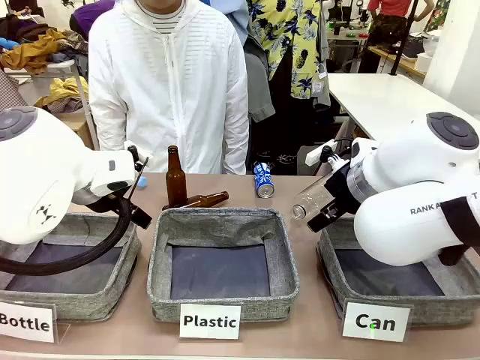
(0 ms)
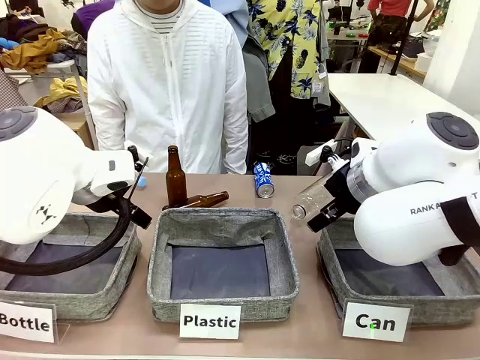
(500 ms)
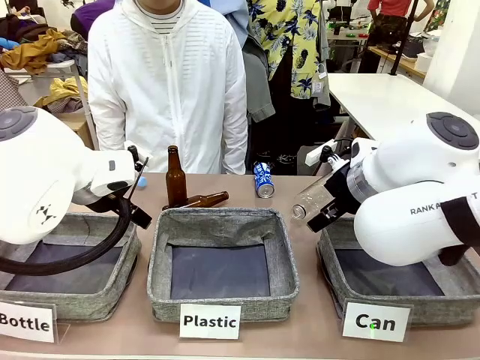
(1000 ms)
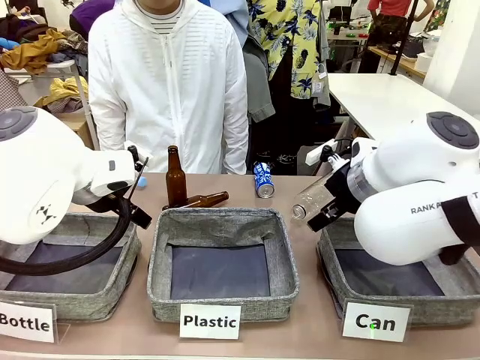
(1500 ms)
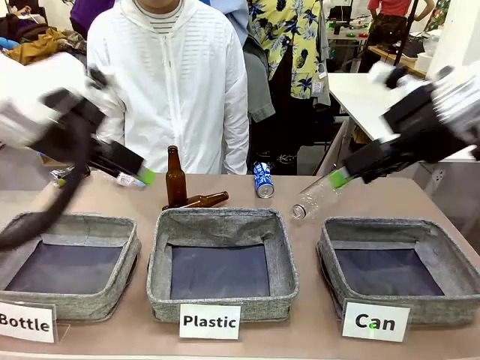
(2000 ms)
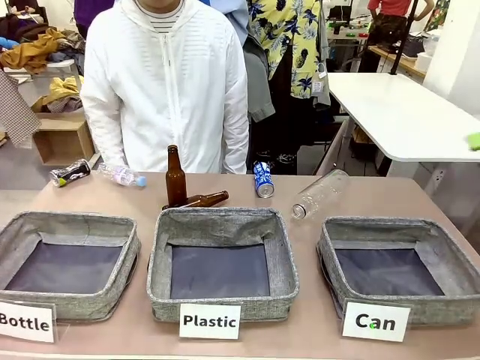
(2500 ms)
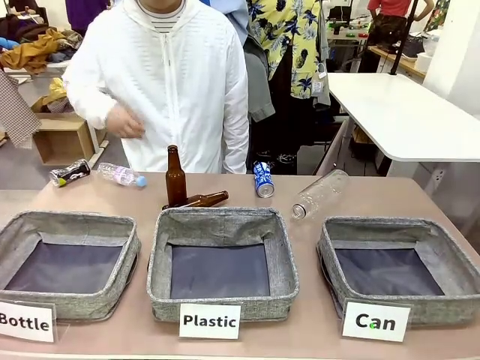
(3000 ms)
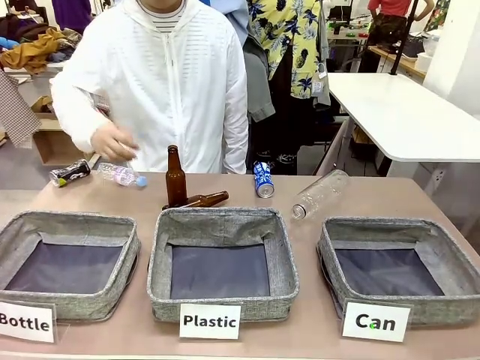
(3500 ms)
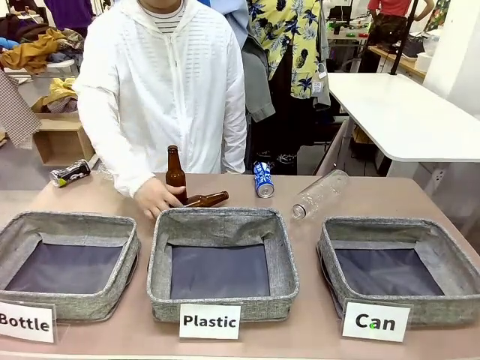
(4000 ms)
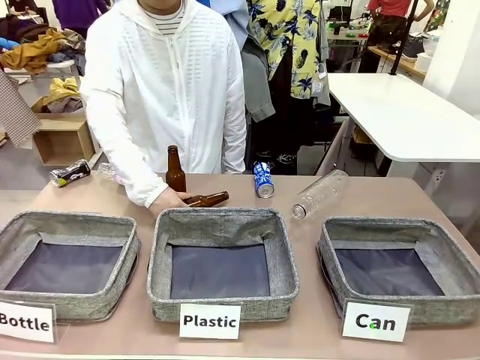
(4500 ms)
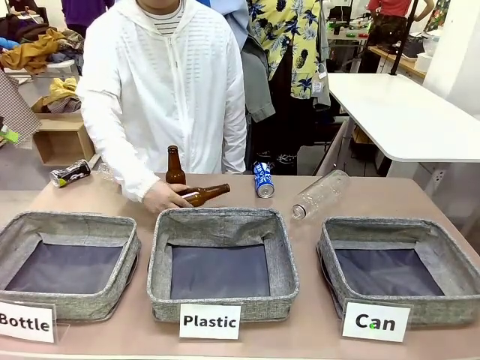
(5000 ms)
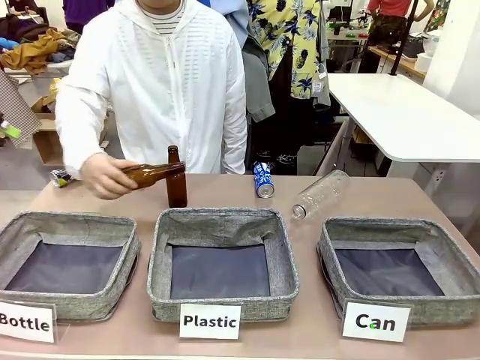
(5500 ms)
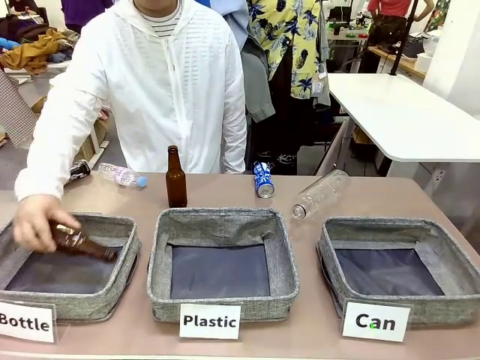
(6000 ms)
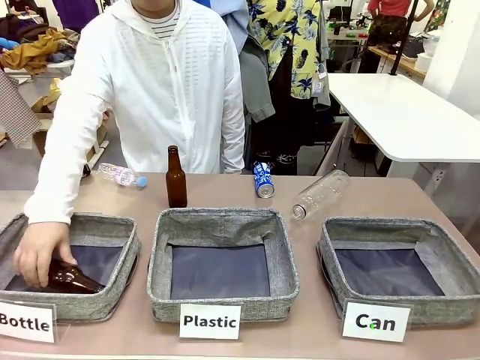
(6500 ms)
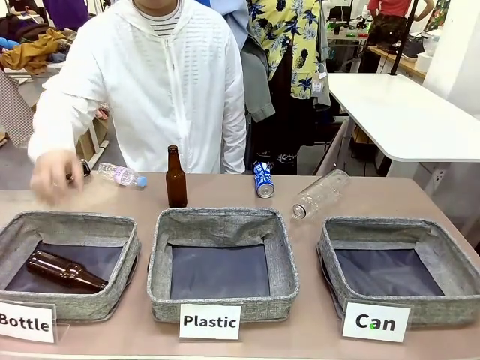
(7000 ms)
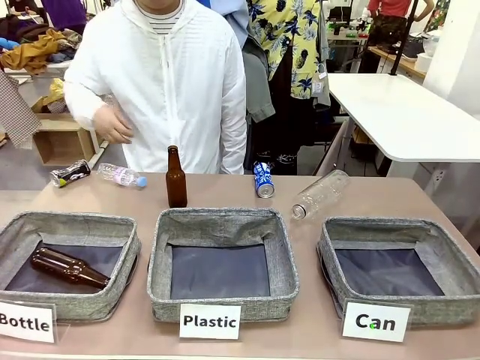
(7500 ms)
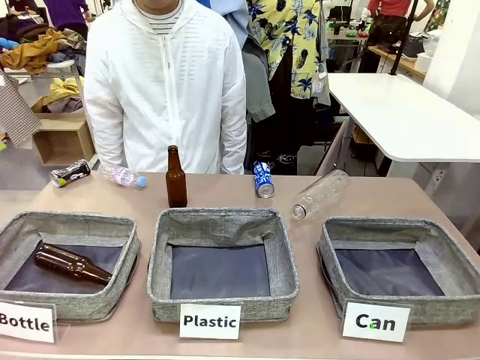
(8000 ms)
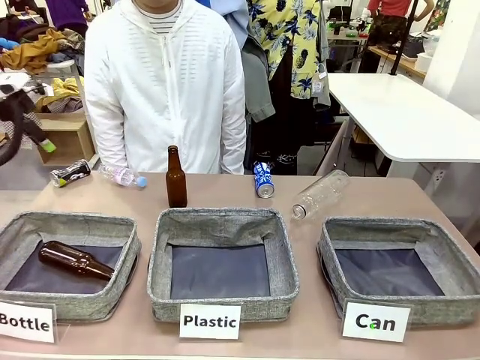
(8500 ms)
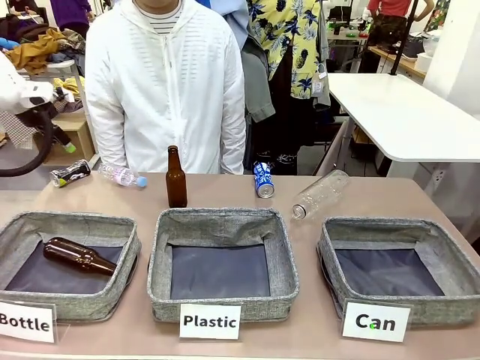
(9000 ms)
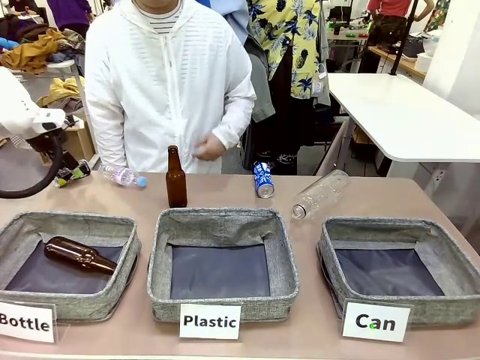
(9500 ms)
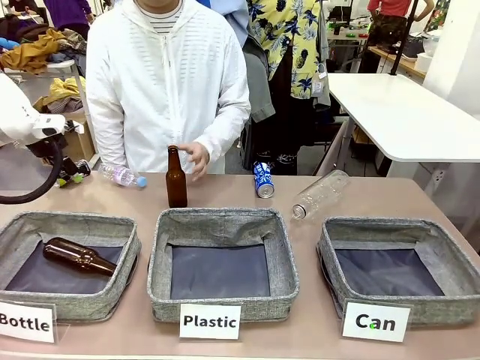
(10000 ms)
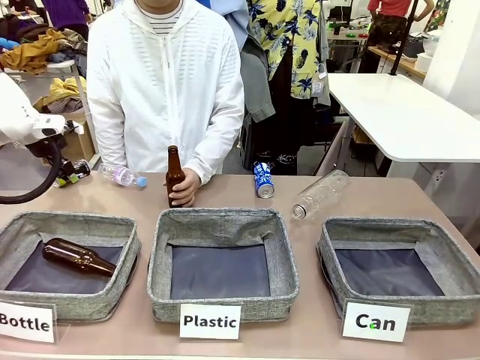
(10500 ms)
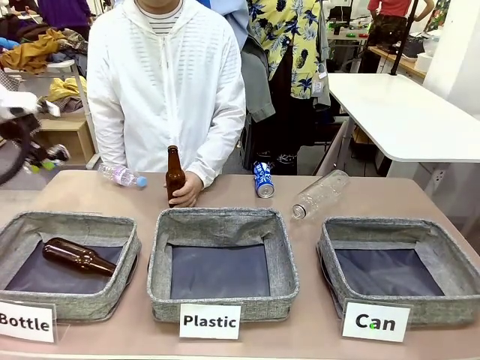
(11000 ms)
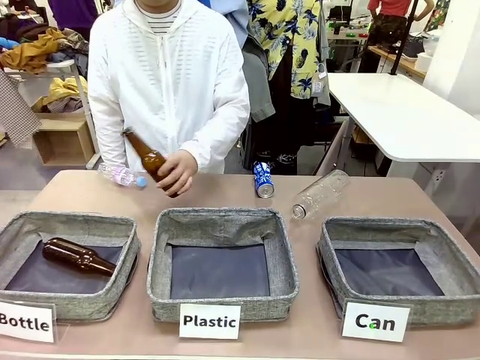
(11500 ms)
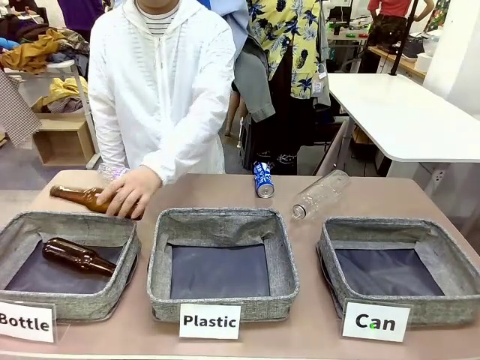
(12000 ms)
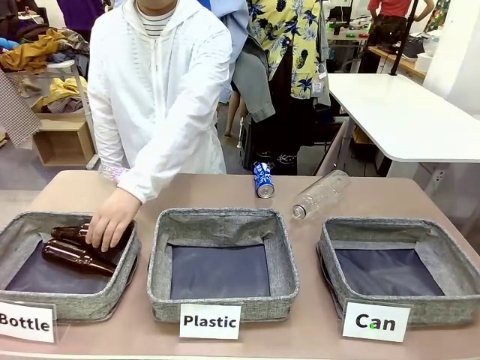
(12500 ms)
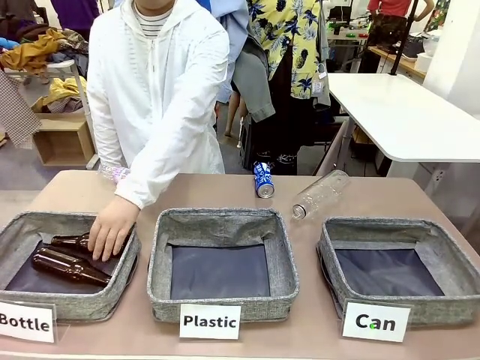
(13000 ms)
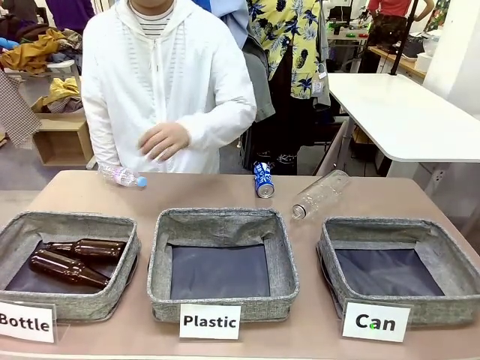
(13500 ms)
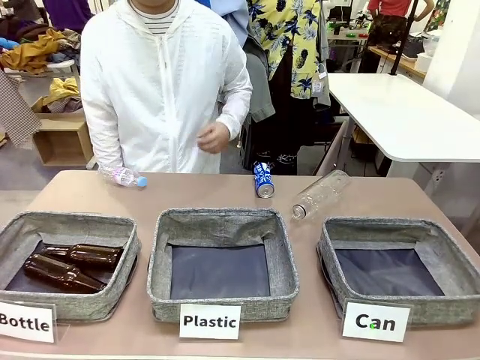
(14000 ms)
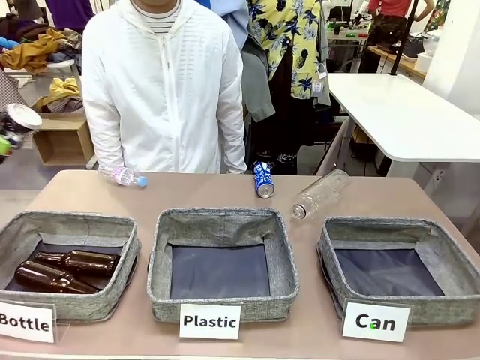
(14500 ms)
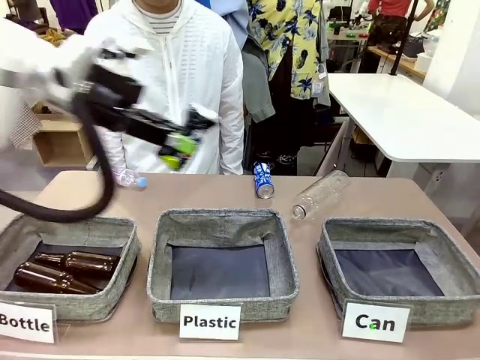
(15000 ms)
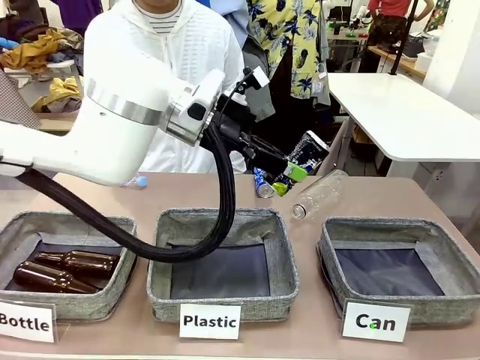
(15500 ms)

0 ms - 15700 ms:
Task: Sort the can waste into the basket.
Robot: Pick up the can waste from the table and place it in the right Fabric basket.

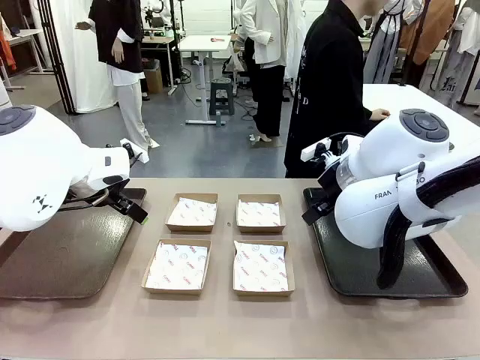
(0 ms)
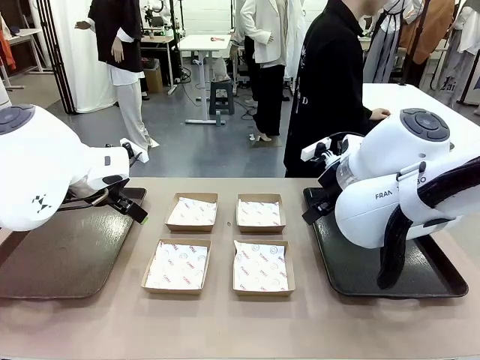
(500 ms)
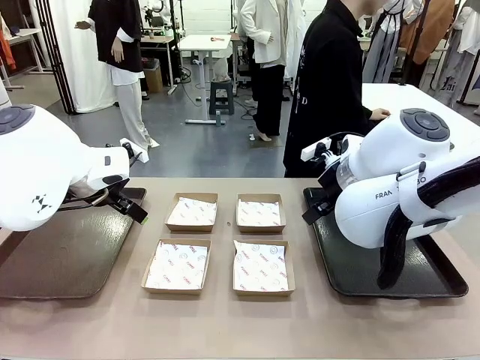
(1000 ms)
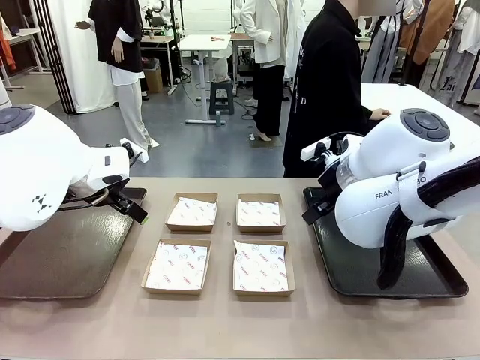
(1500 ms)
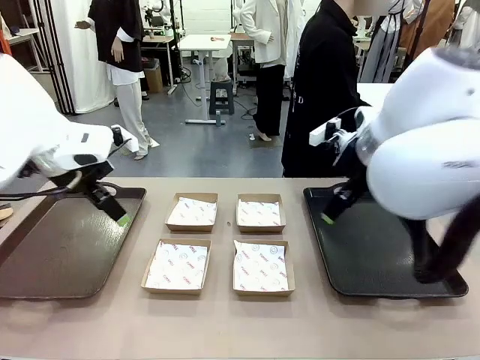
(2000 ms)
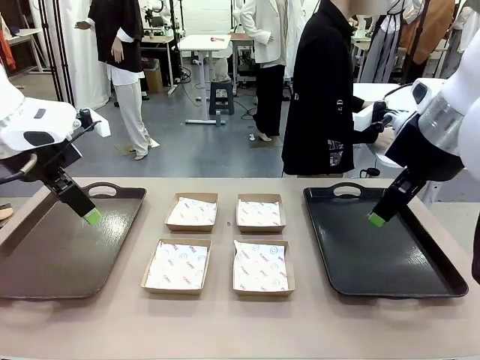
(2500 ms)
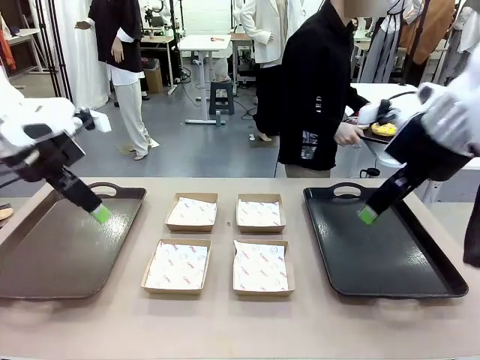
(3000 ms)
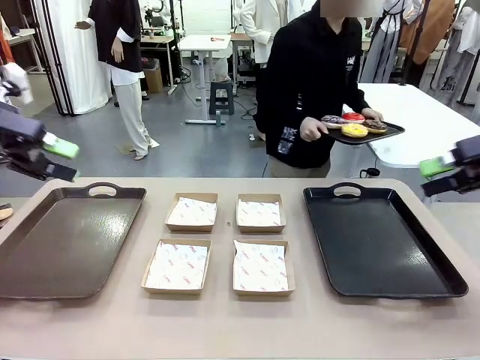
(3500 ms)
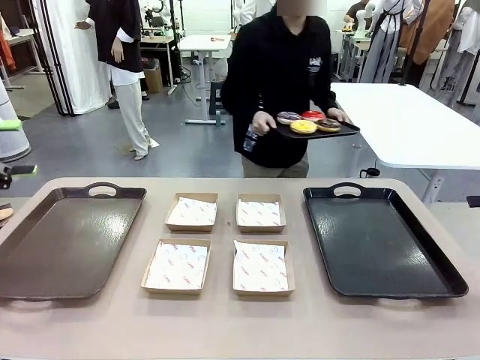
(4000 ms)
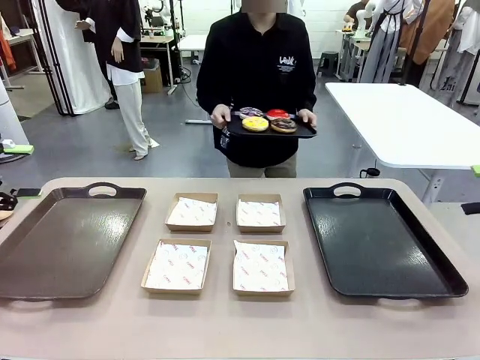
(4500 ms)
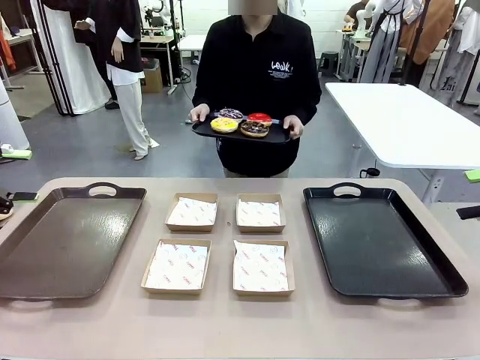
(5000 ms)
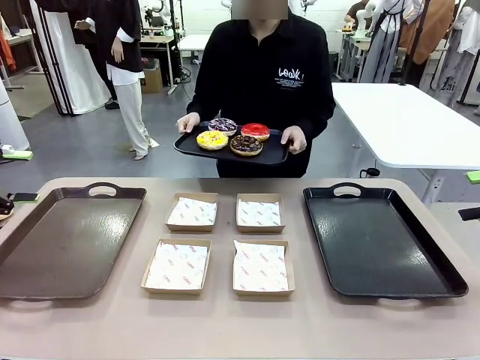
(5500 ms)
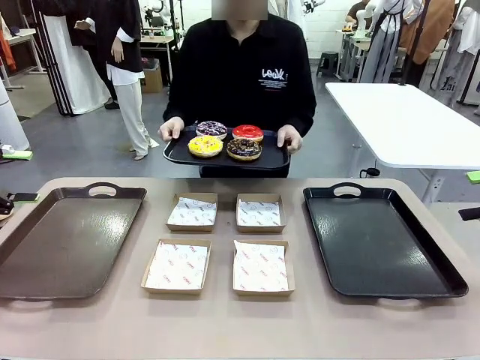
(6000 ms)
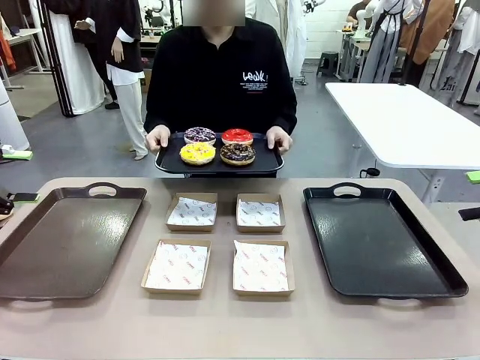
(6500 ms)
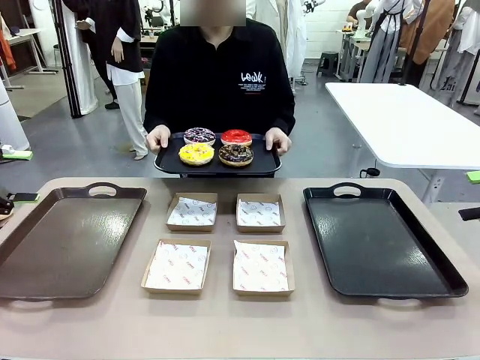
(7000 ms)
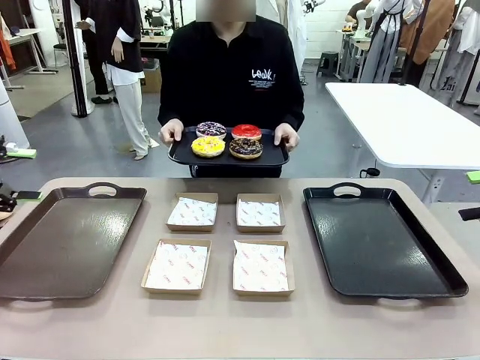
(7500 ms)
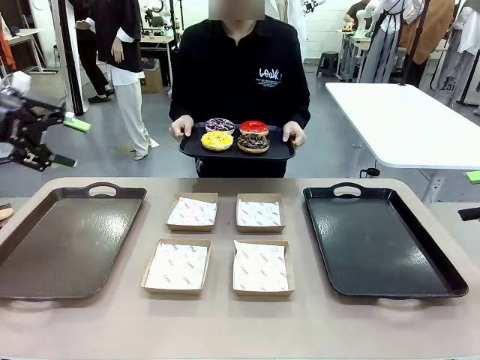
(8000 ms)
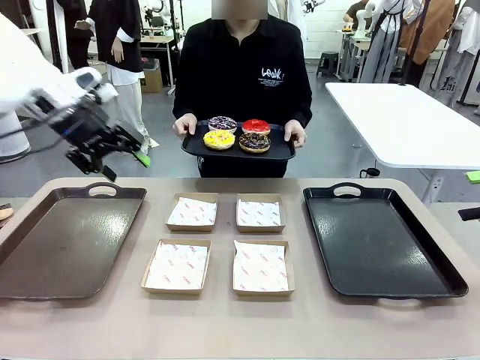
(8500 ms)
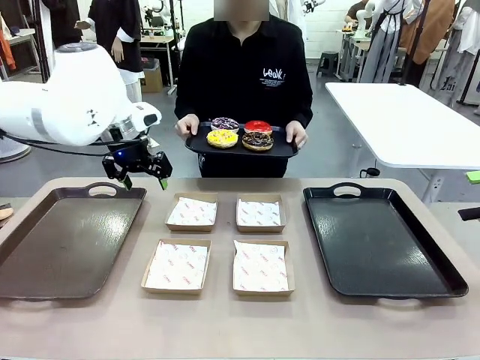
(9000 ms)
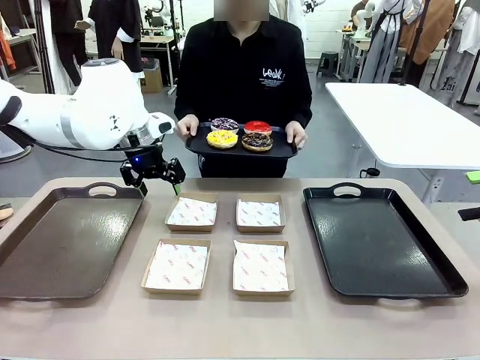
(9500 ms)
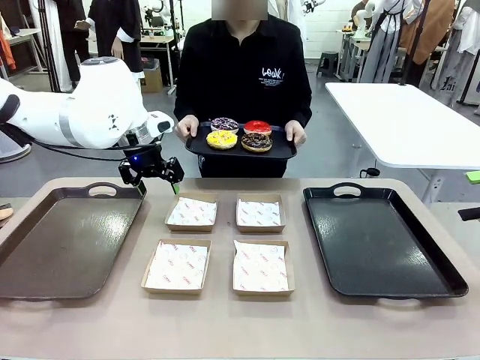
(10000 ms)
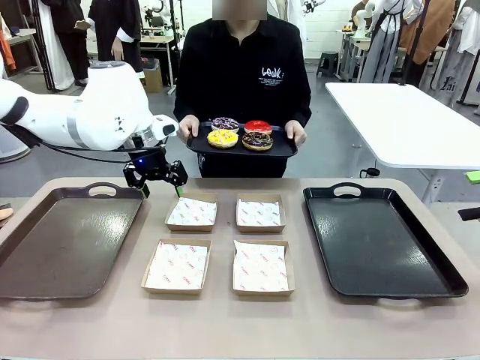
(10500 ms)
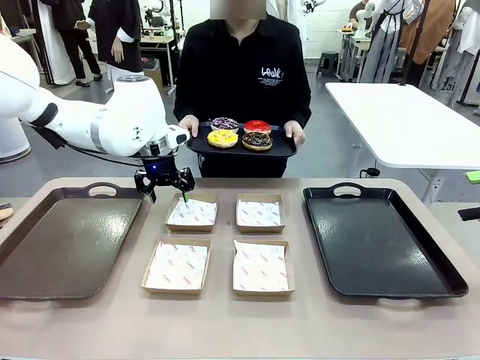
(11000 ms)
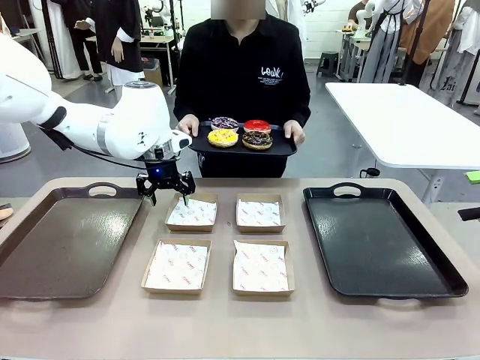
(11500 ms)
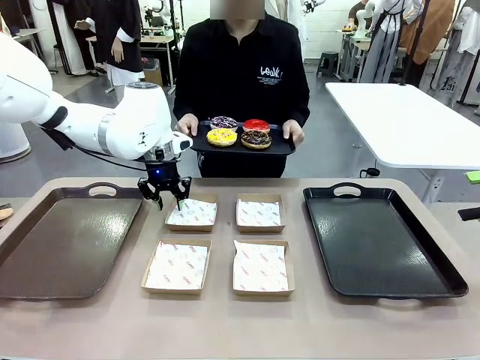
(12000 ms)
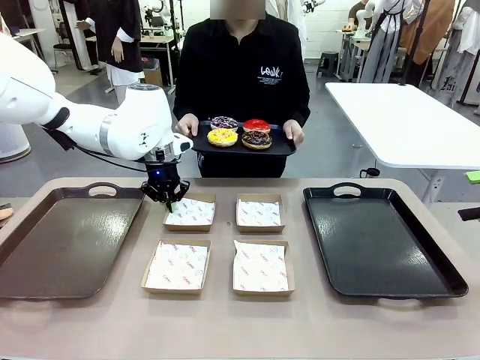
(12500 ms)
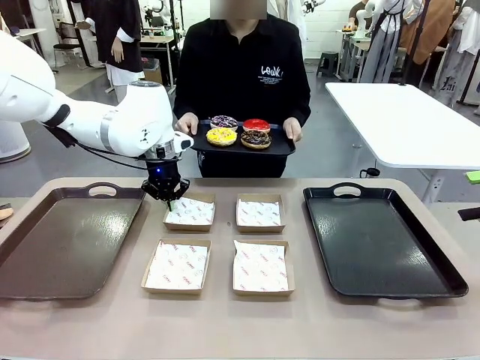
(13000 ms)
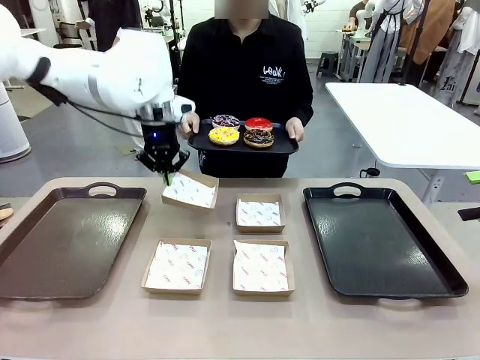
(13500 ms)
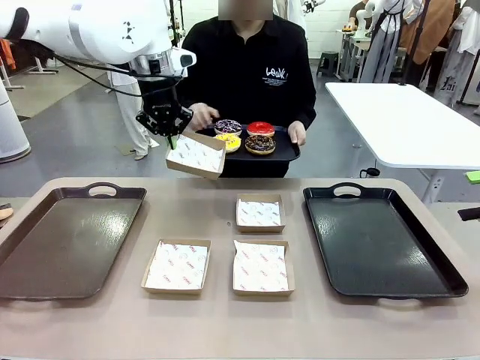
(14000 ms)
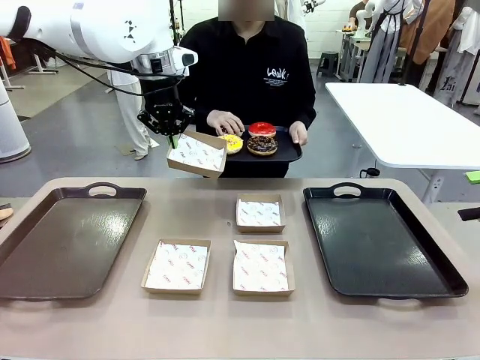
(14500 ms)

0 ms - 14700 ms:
Task: Individually package the donuts and arrange them on the tray.
Robot: Pick up one Paper togo box.
Person: Stand in front of the robot table holding the tray containing the donuts.
